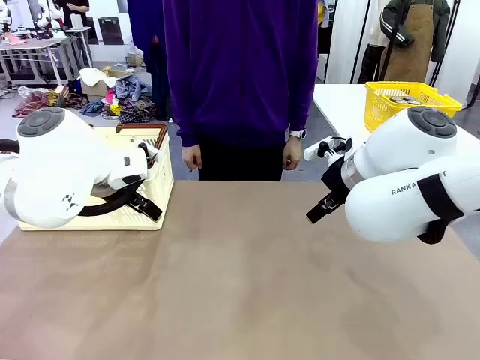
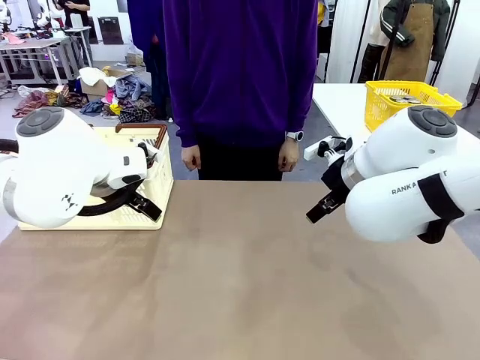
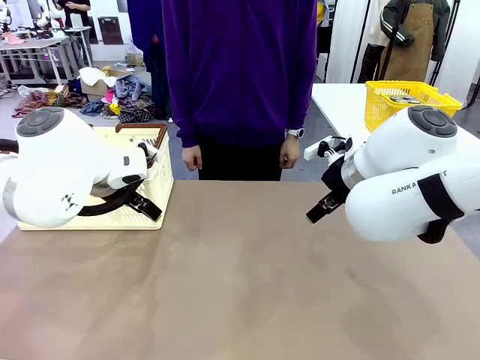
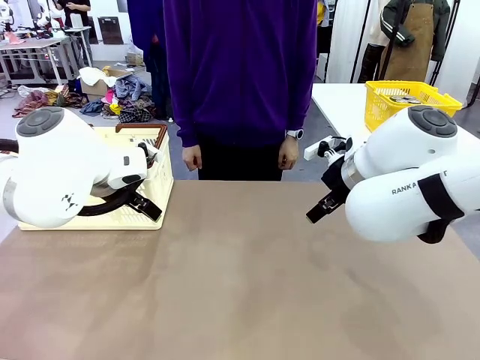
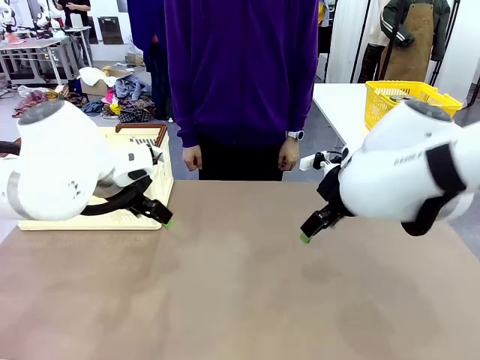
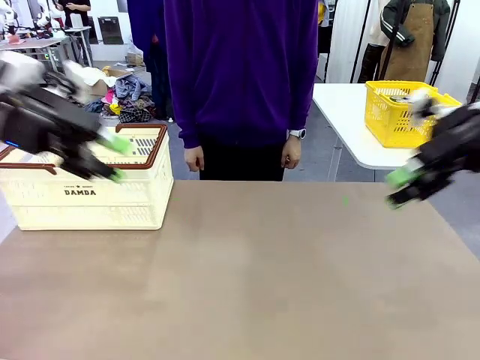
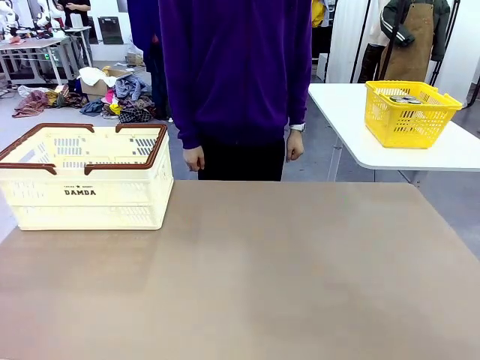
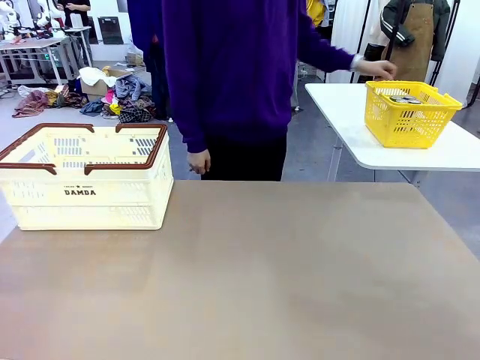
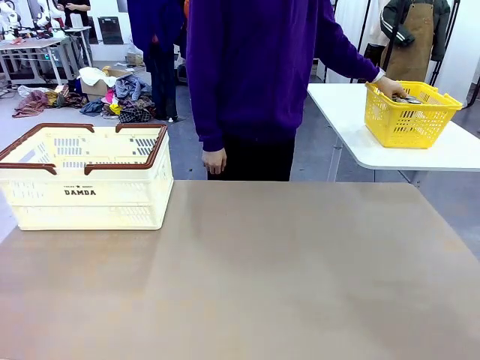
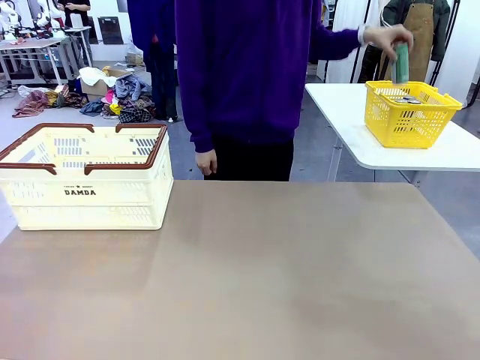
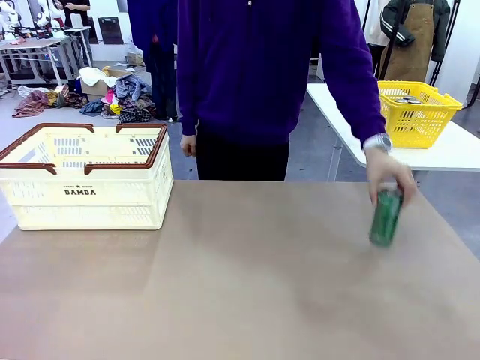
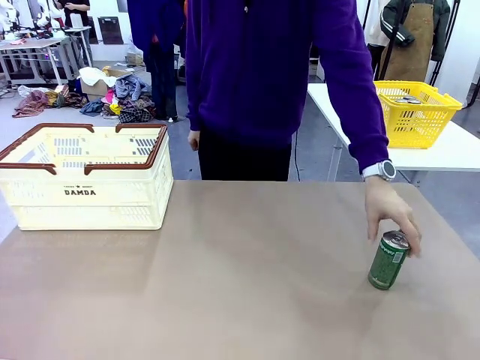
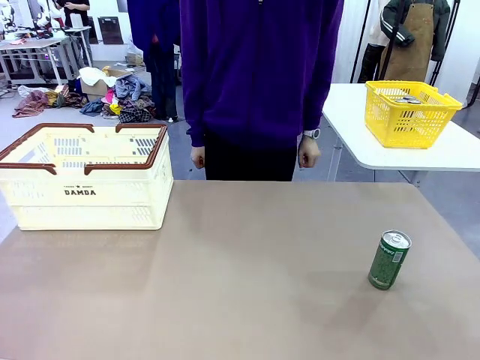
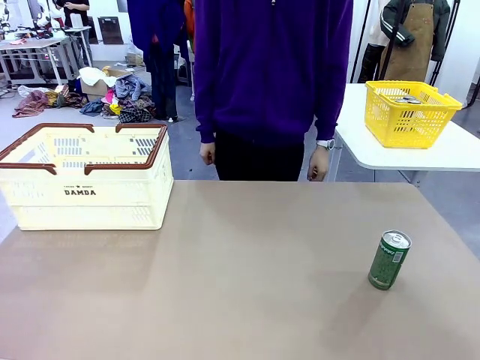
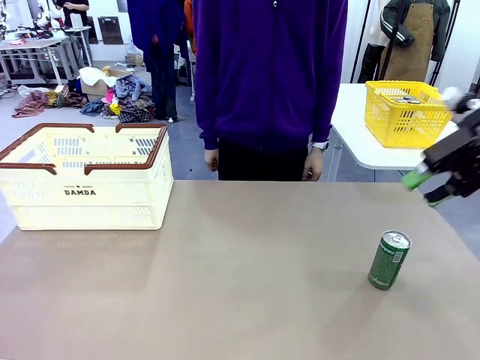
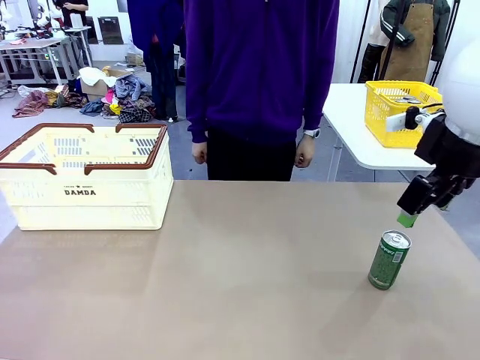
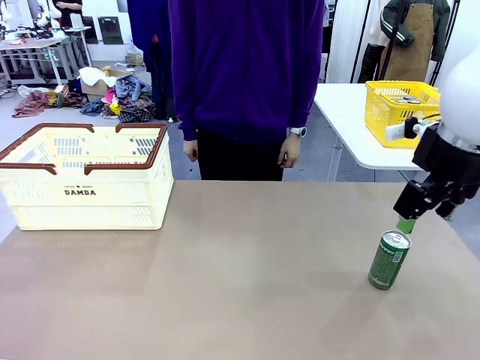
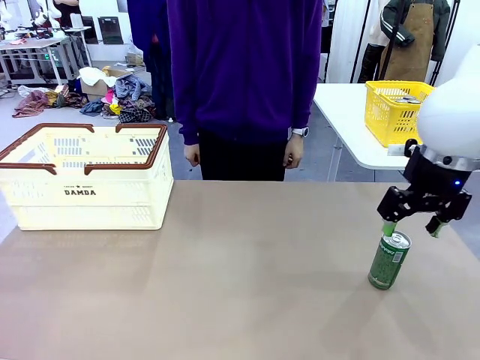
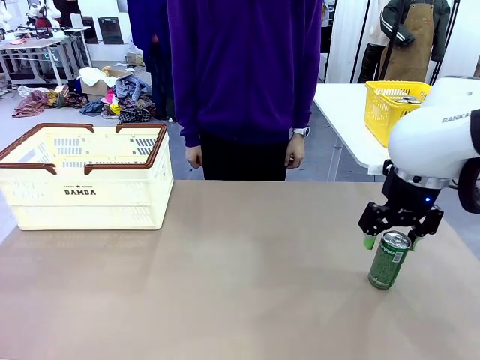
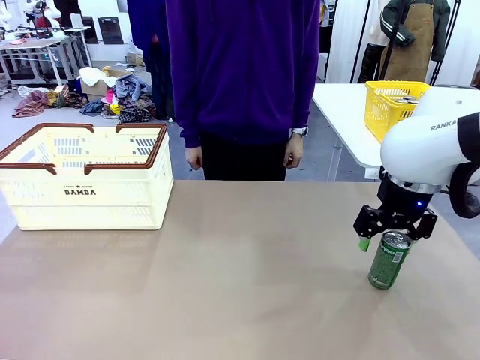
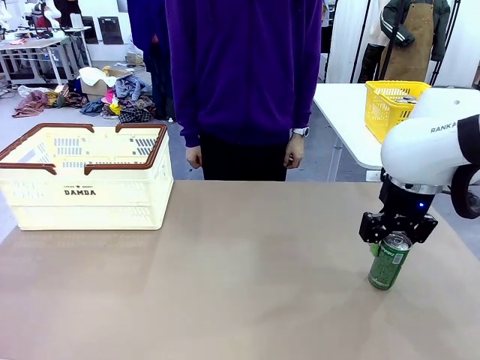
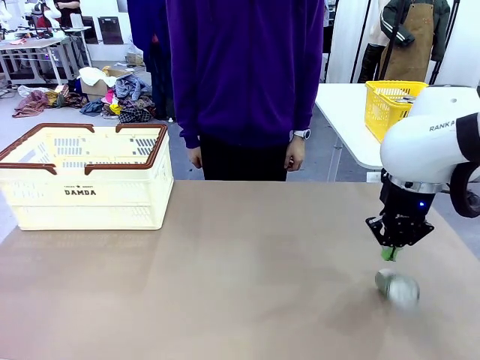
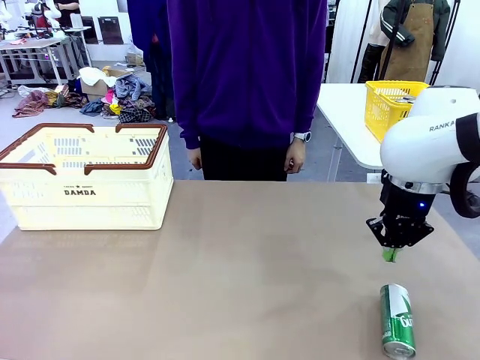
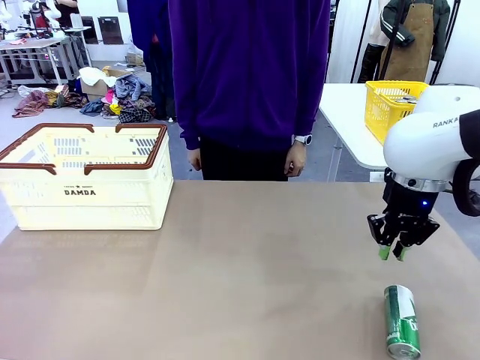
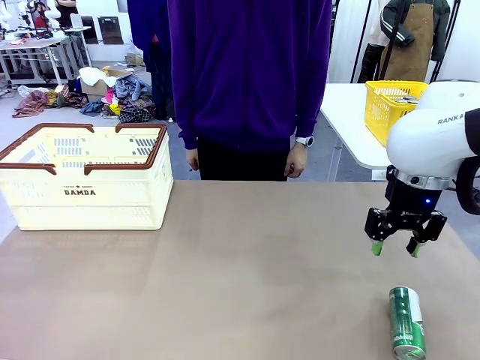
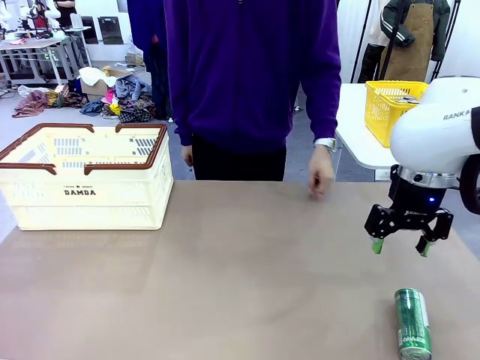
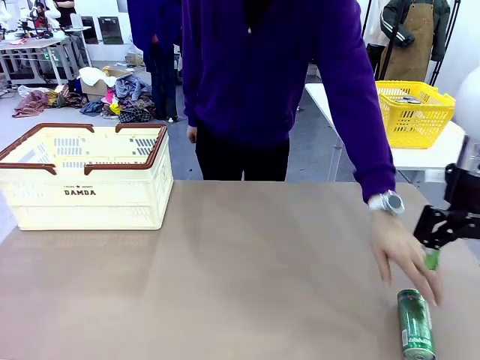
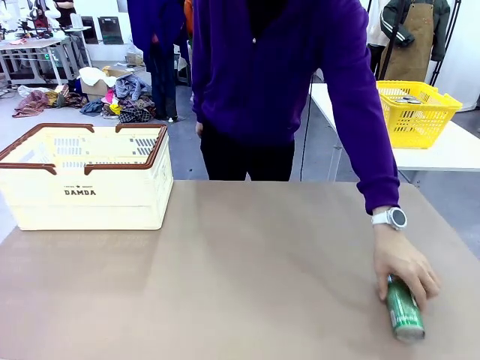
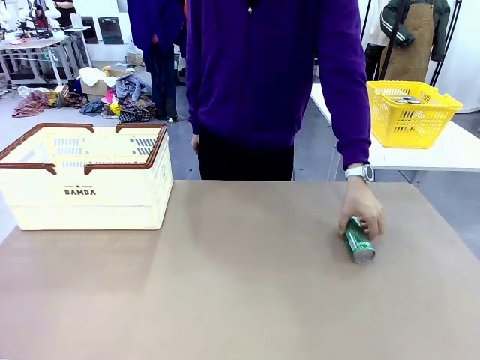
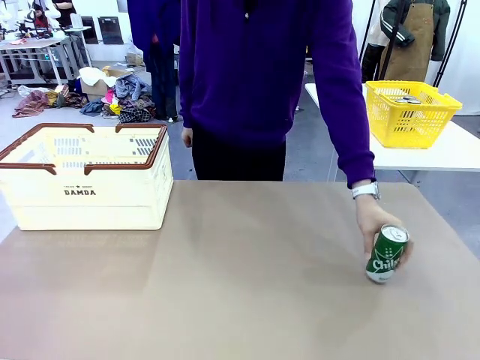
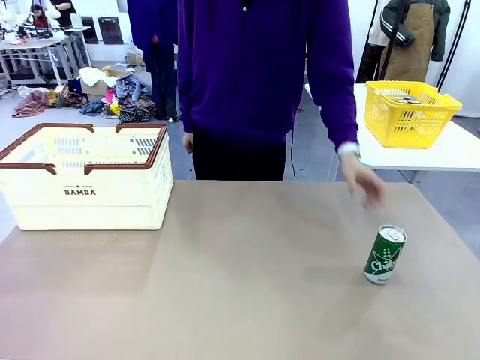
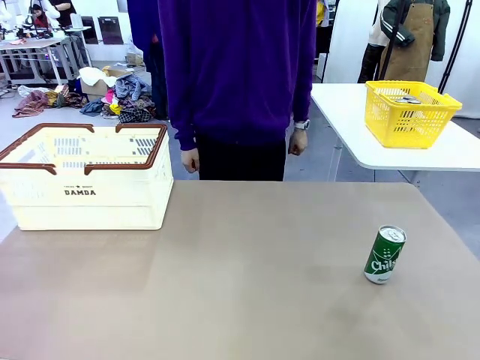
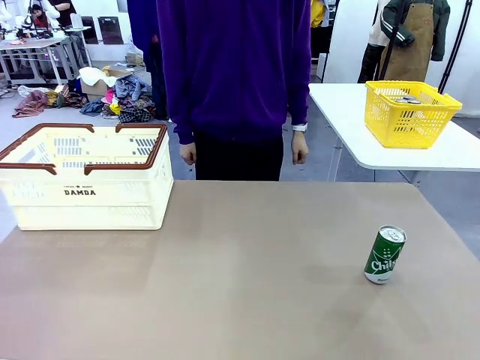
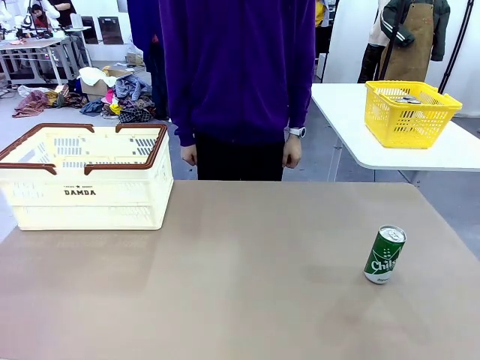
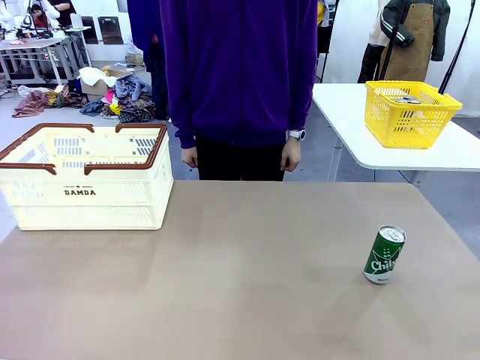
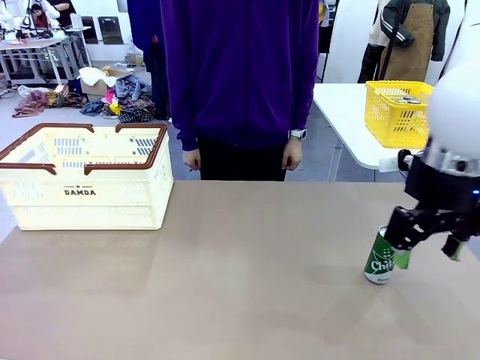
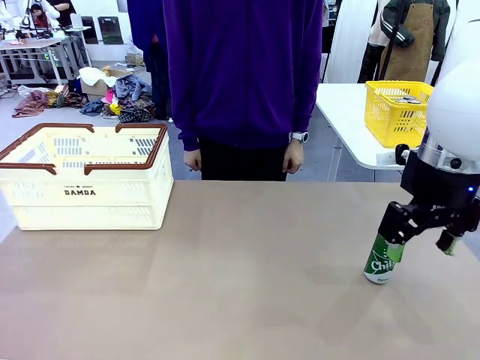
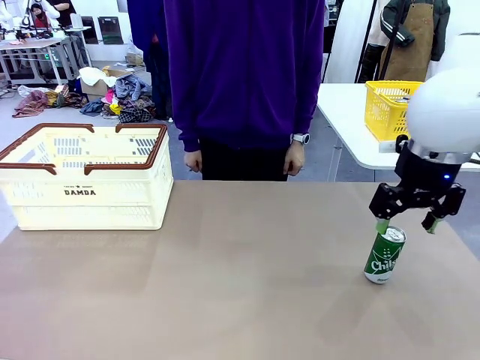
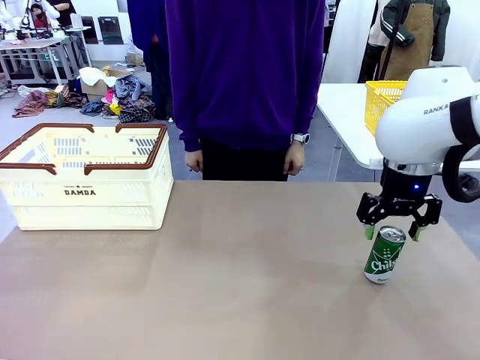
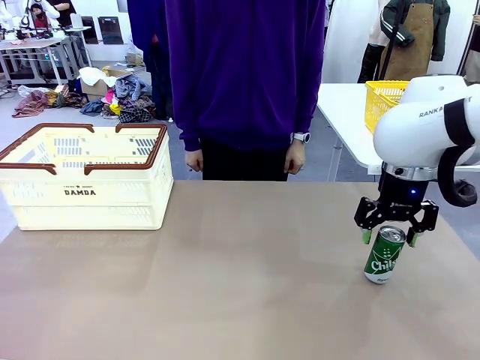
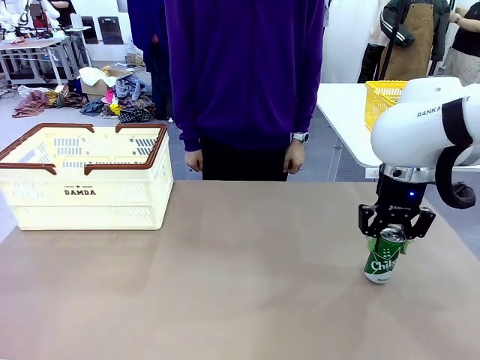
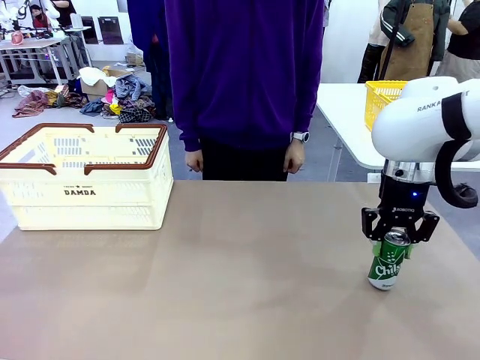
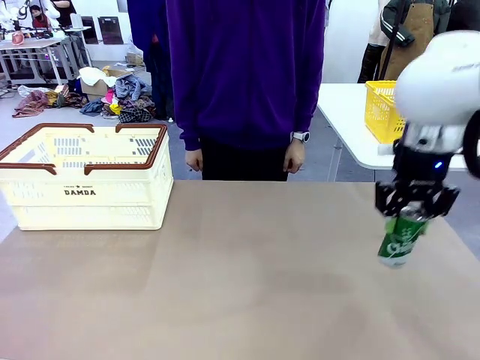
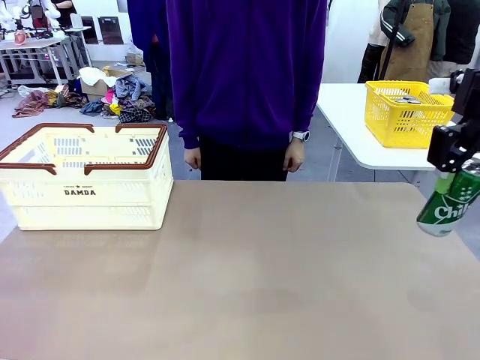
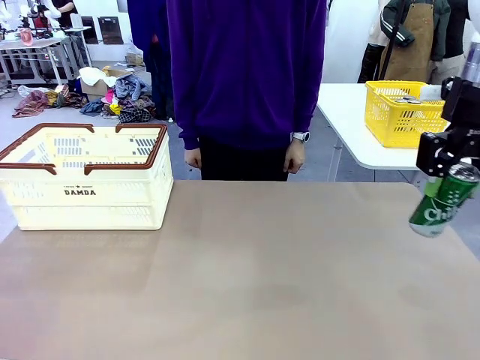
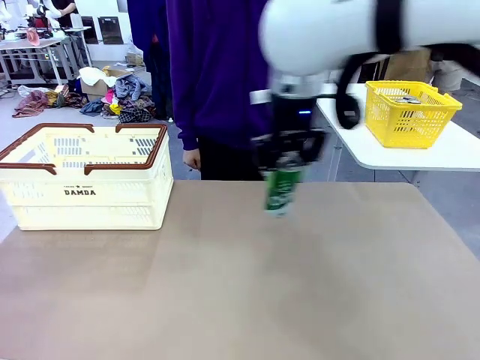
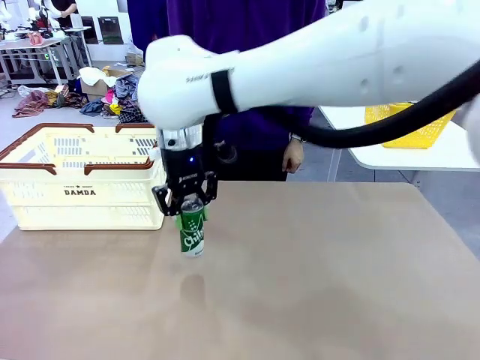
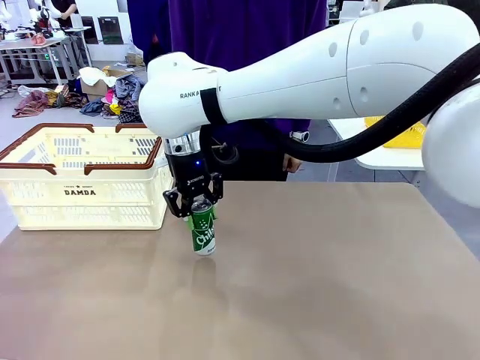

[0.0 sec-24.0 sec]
Task: Place the drinks into the Shopping basket.
Robot: Pick up one drink and place it into the Shopping basket.
